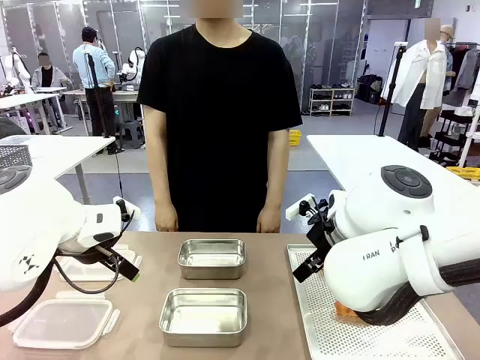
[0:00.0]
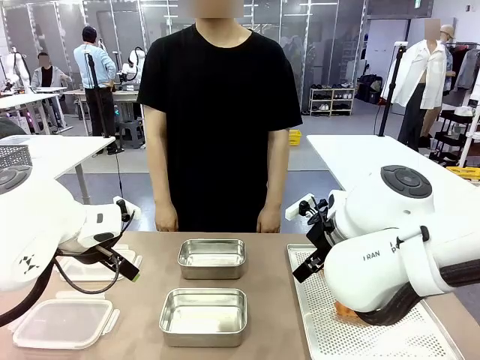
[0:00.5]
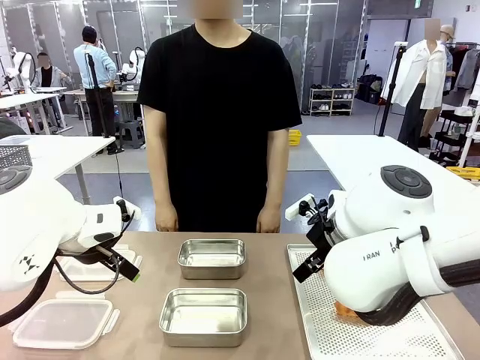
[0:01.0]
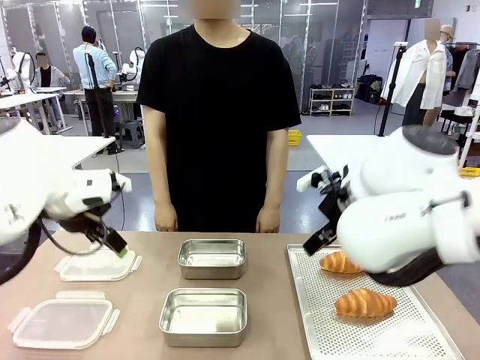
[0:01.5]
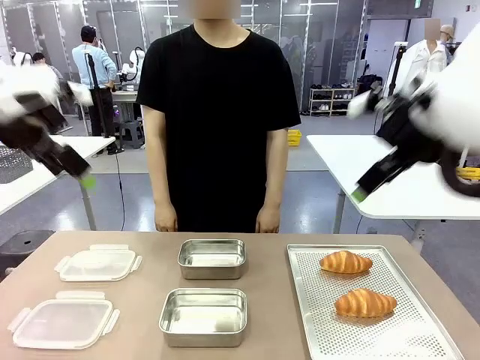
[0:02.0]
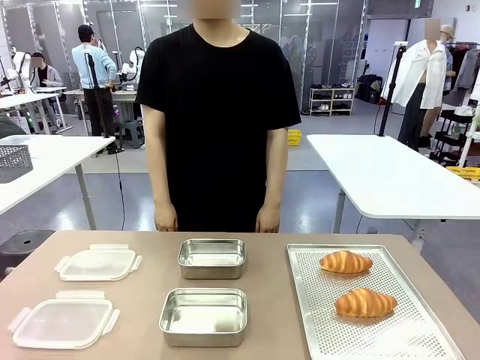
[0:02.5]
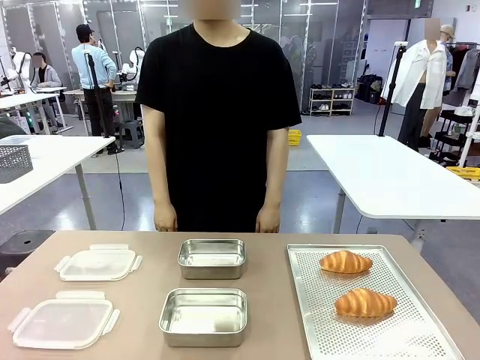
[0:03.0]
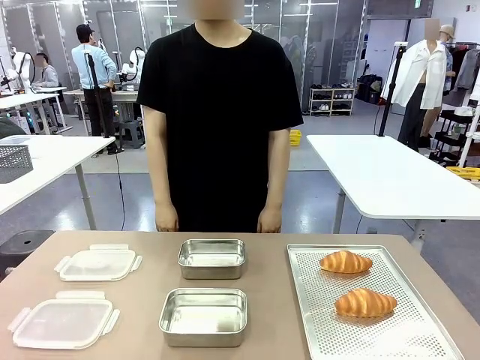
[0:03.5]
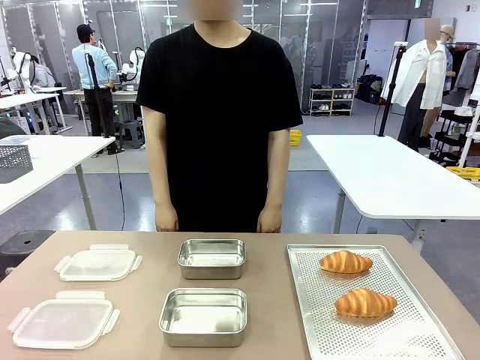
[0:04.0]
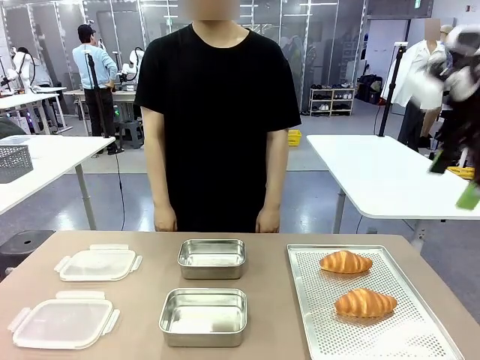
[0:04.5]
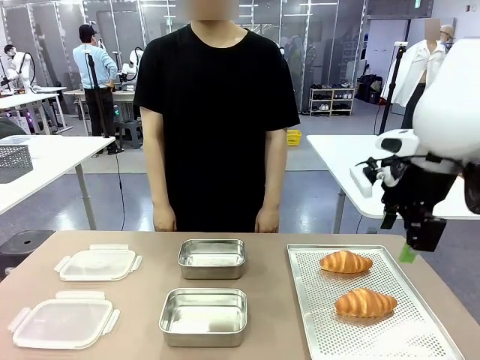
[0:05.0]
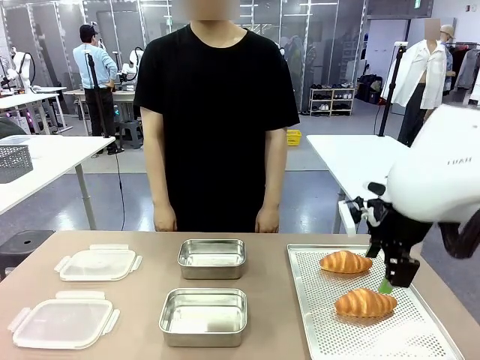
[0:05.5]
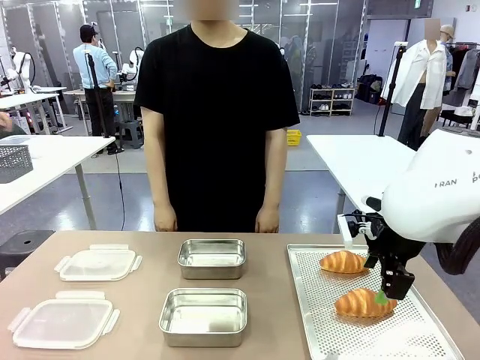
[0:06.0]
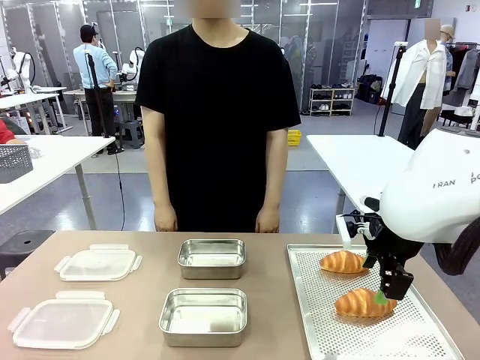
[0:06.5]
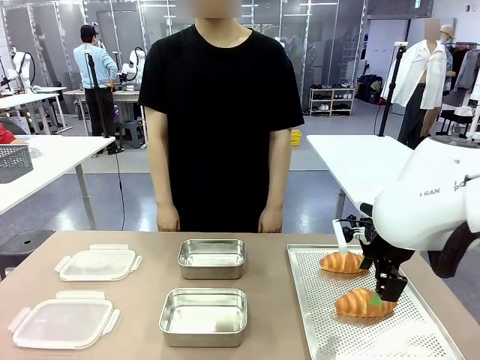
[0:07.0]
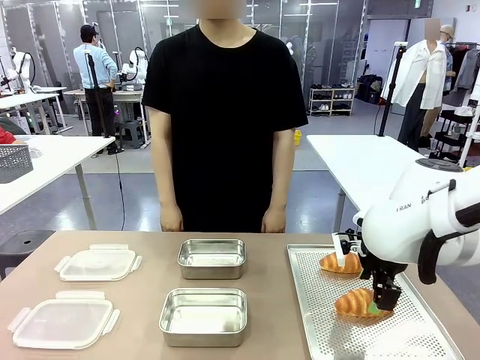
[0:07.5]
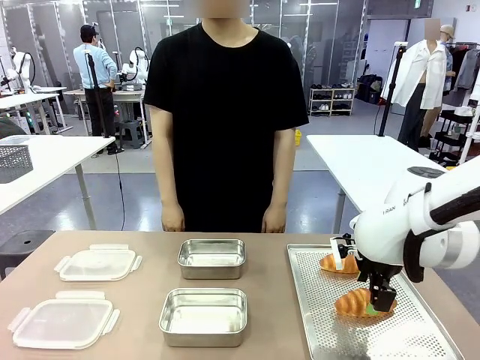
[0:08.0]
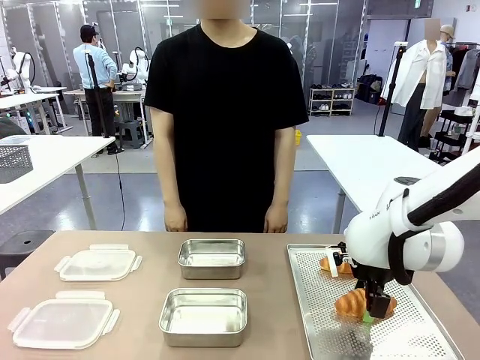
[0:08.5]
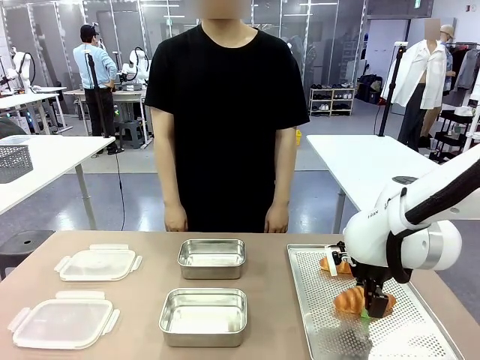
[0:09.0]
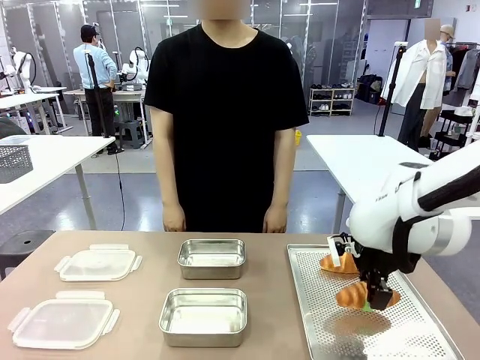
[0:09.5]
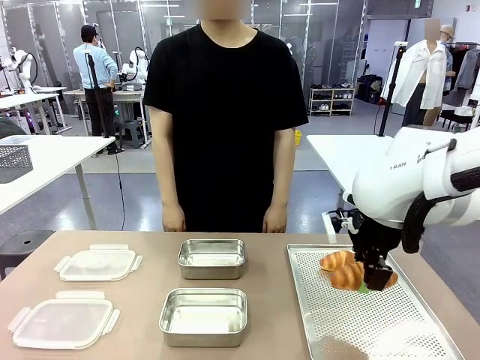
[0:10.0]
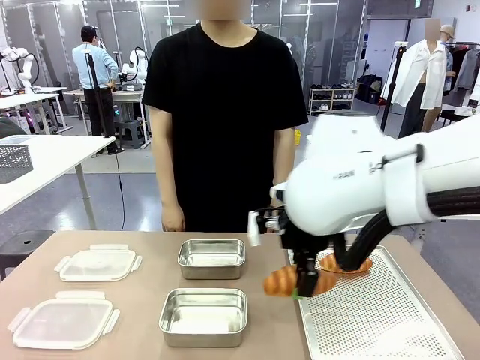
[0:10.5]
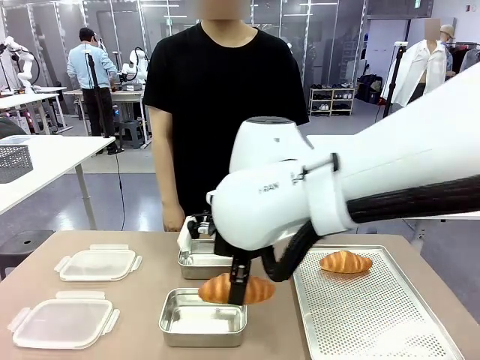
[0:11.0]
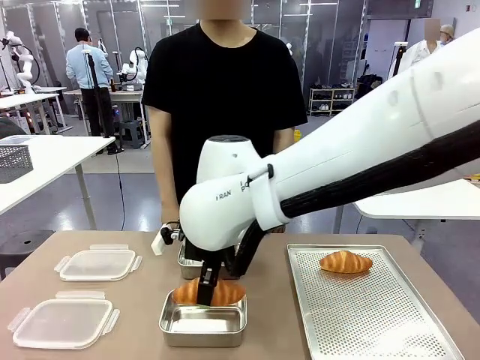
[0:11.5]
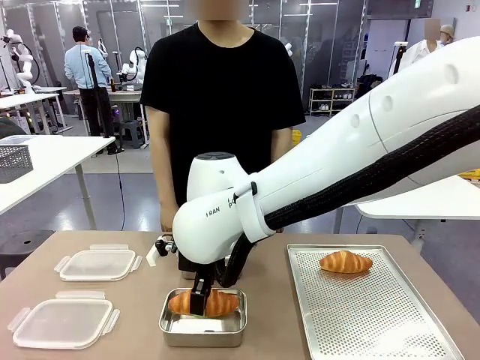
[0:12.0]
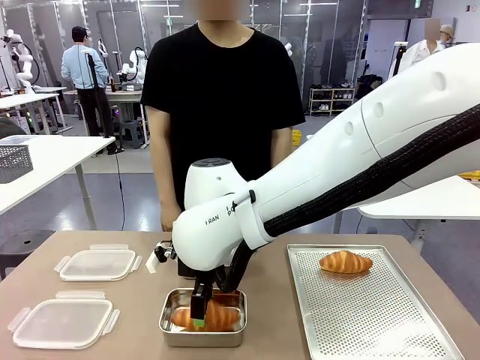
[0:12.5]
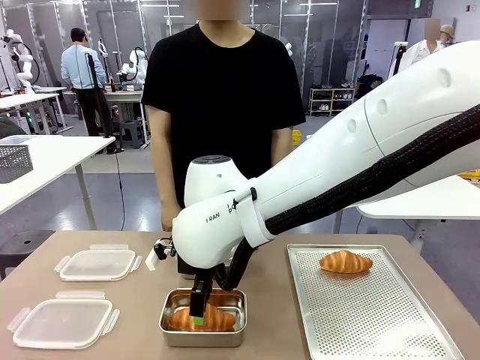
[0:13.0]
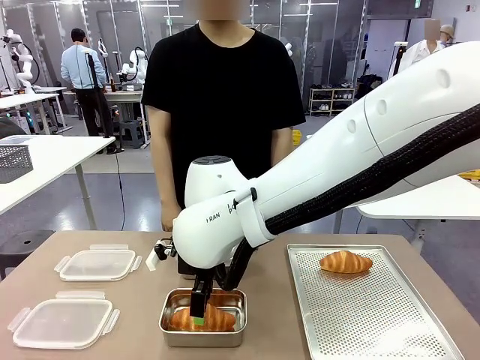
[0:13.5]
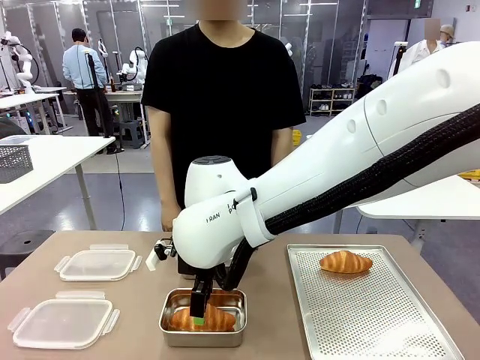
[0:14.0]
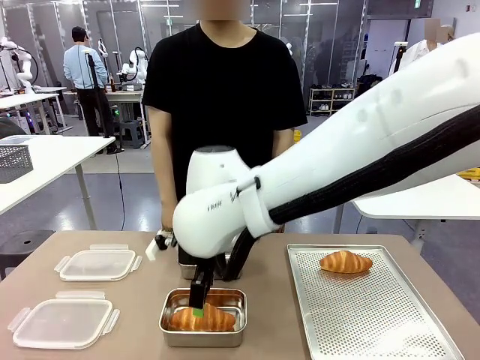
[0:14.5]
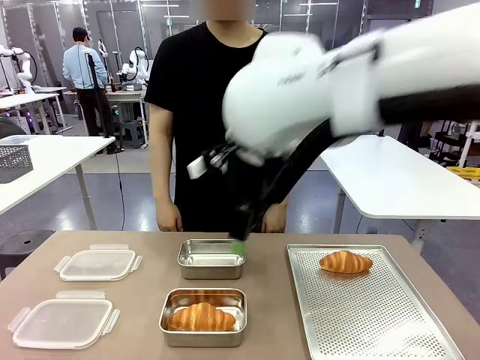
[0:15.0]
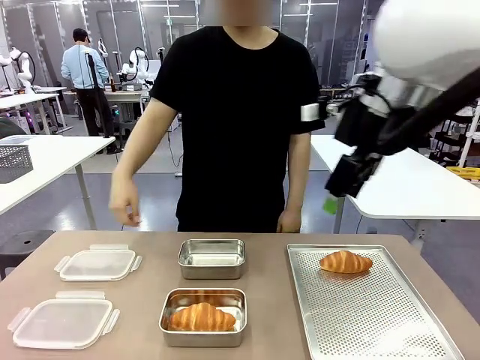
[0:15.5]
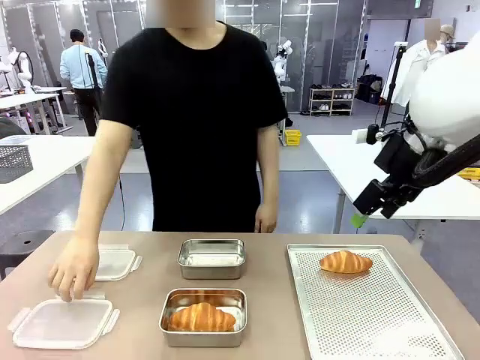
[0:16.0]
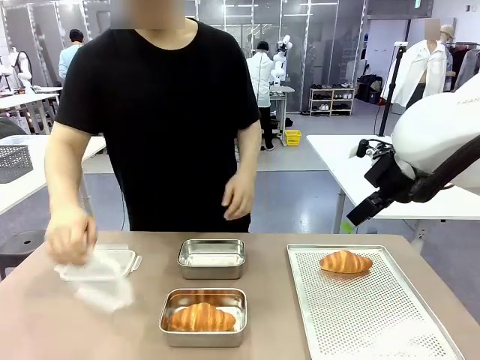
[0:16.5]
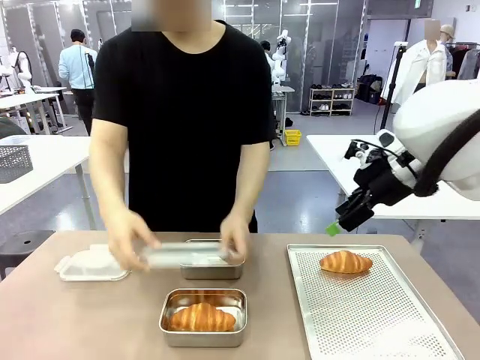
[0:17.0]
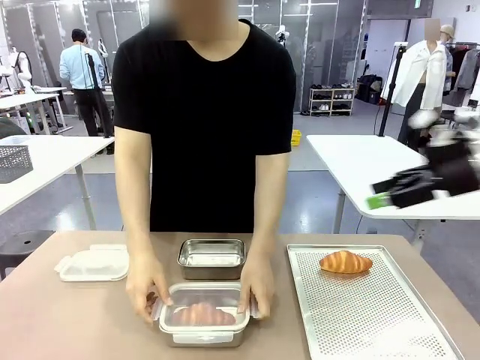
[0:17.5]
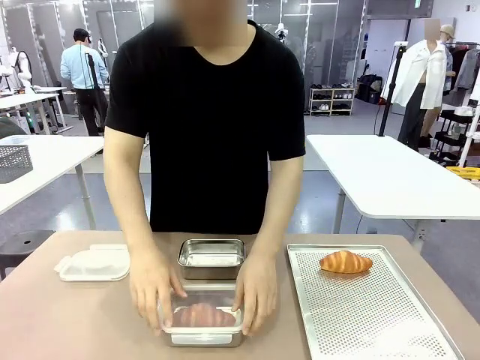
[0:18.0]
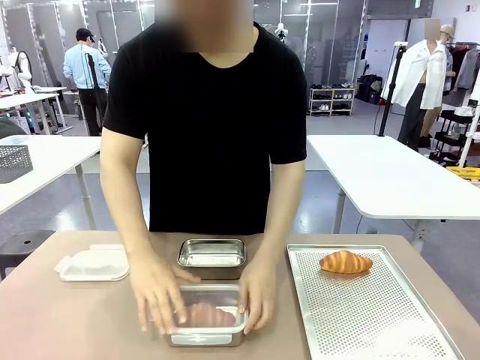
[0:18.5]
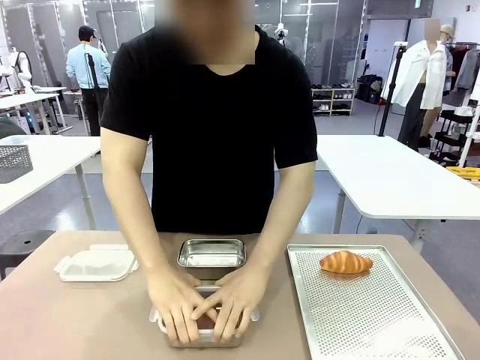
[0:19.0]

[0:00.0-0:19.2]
Task: Place the bread into the airtight container.
Robot: Pick up a Butter Roll and place it into an empty Airtight Container.
